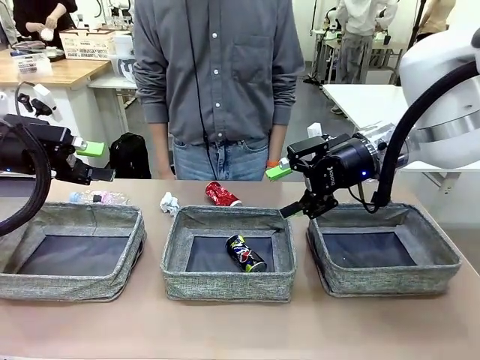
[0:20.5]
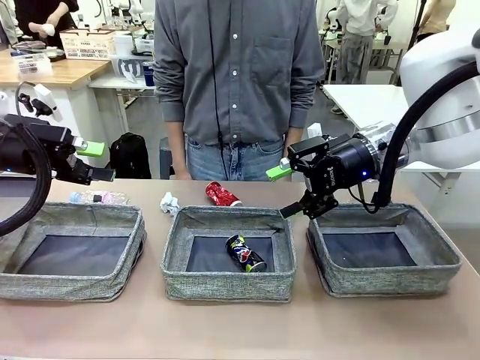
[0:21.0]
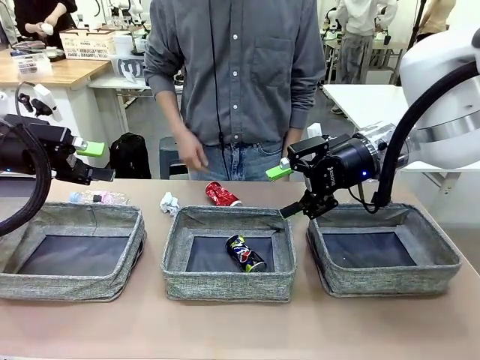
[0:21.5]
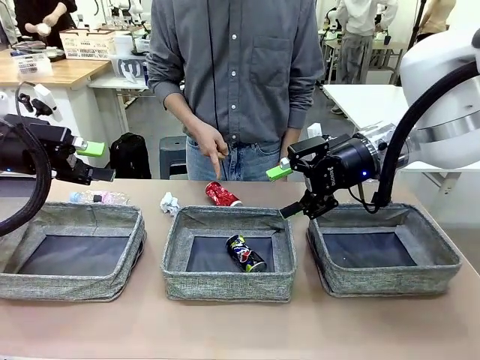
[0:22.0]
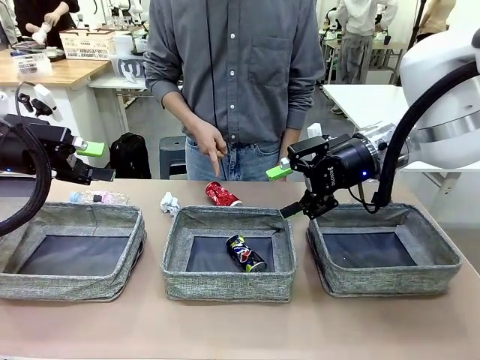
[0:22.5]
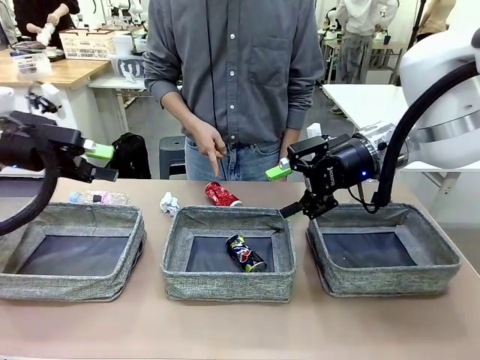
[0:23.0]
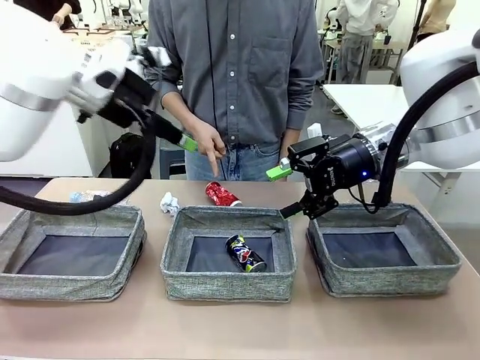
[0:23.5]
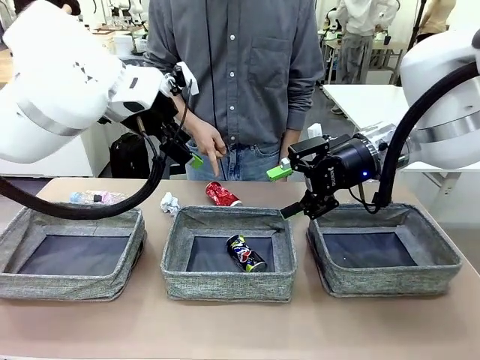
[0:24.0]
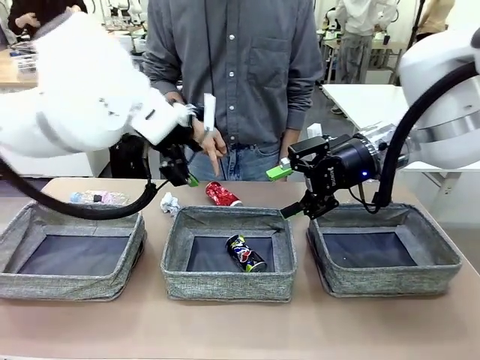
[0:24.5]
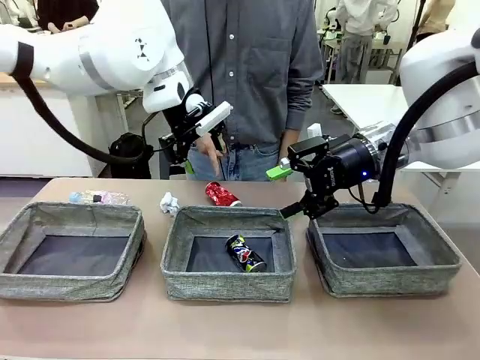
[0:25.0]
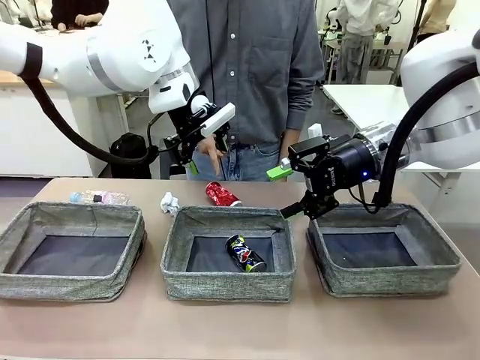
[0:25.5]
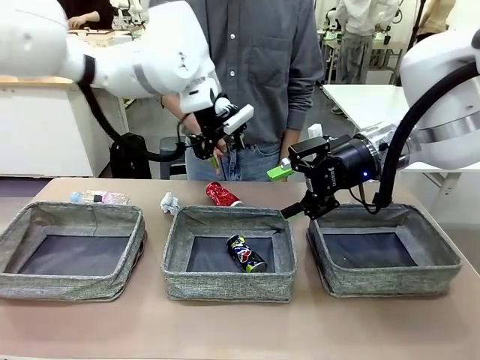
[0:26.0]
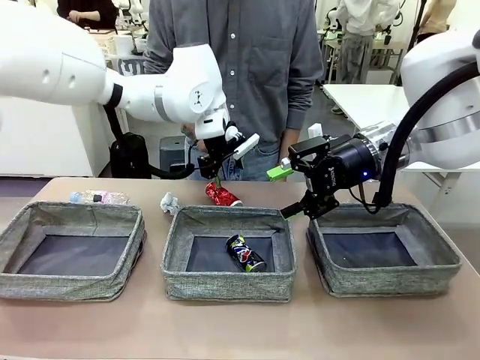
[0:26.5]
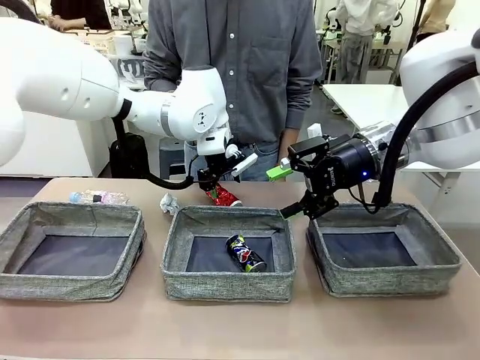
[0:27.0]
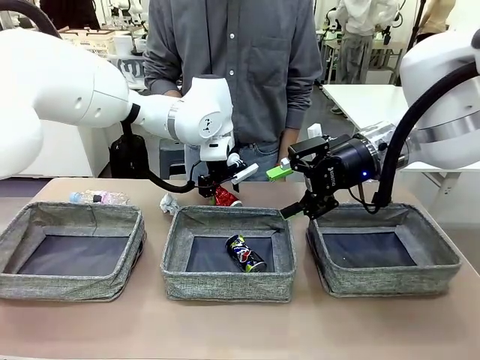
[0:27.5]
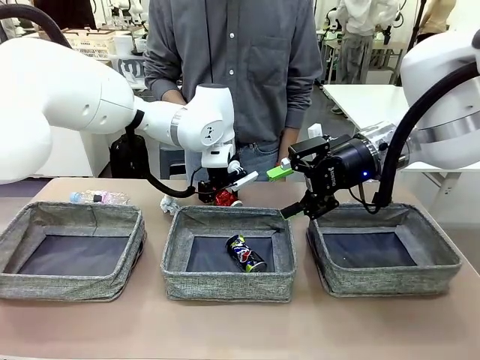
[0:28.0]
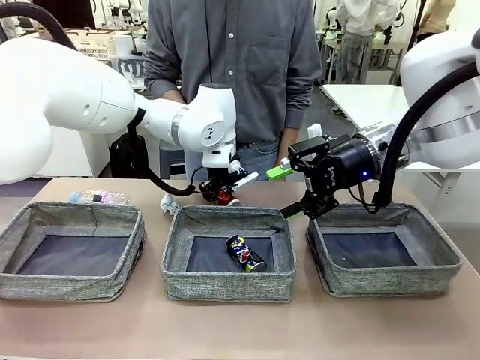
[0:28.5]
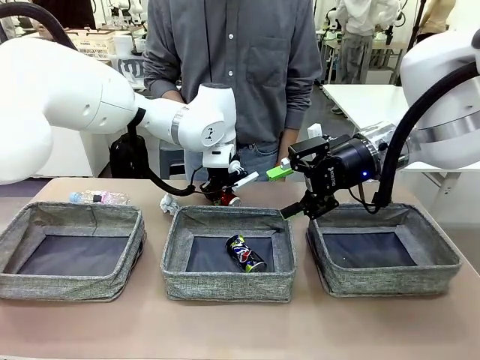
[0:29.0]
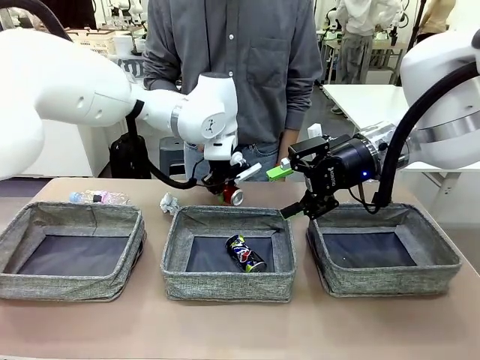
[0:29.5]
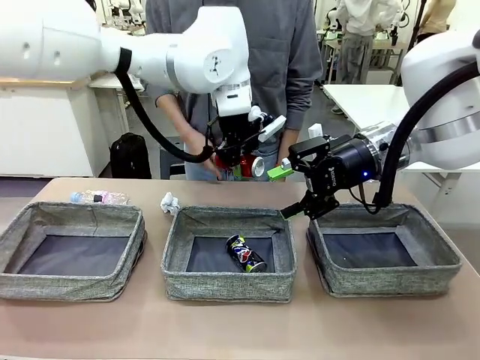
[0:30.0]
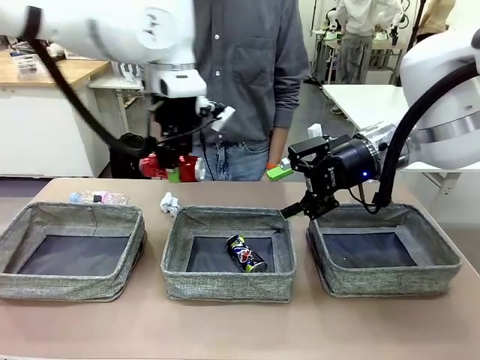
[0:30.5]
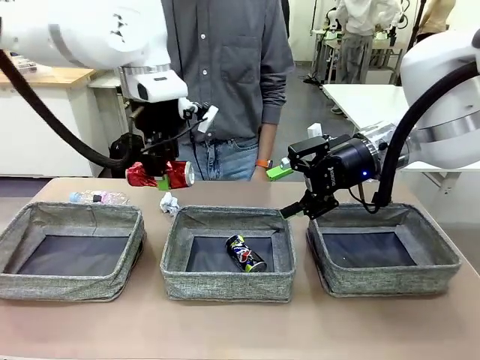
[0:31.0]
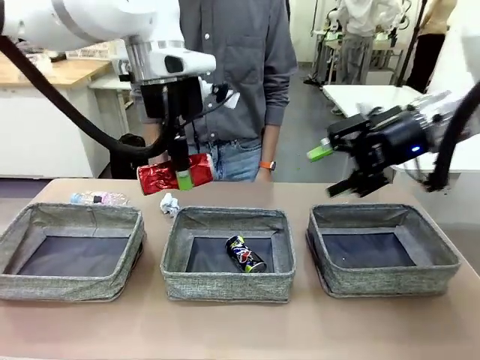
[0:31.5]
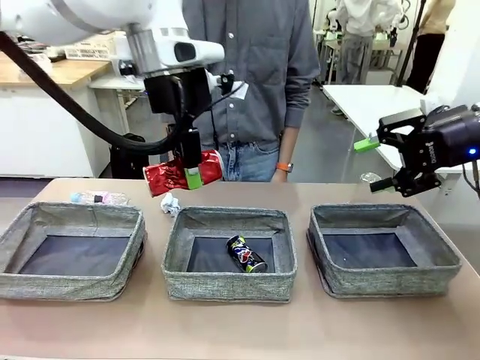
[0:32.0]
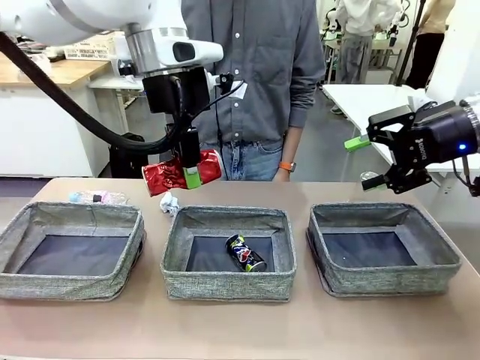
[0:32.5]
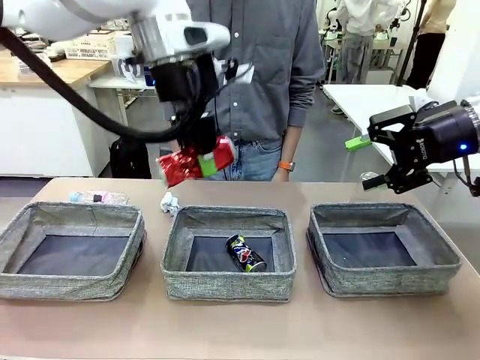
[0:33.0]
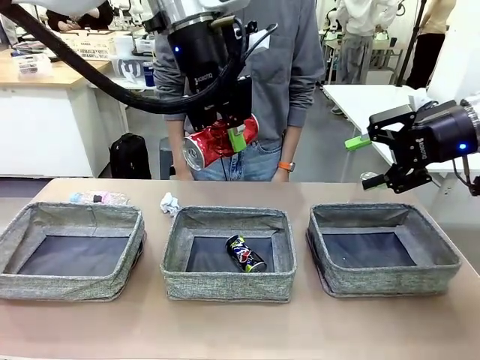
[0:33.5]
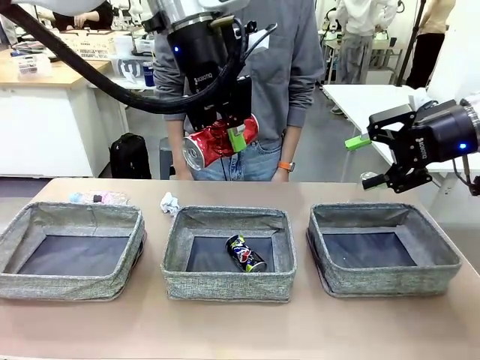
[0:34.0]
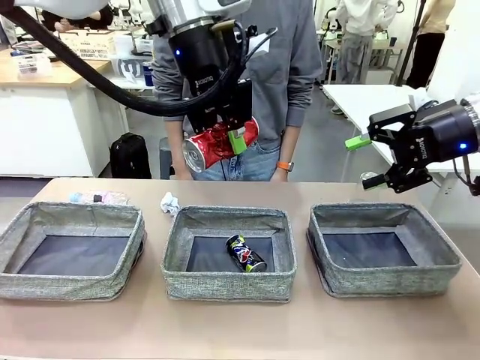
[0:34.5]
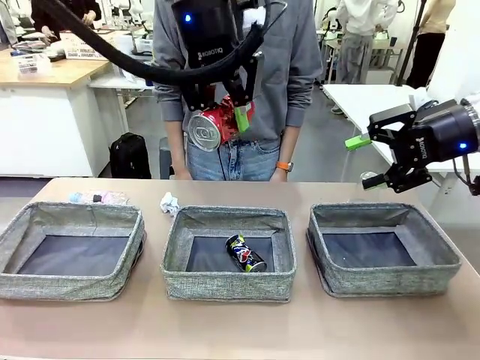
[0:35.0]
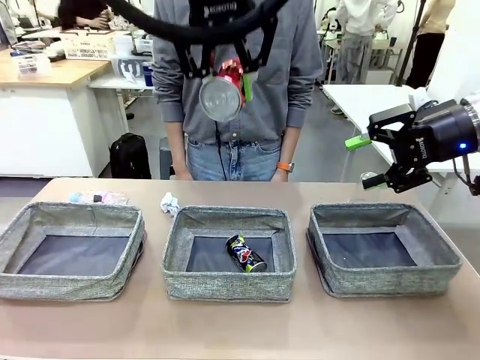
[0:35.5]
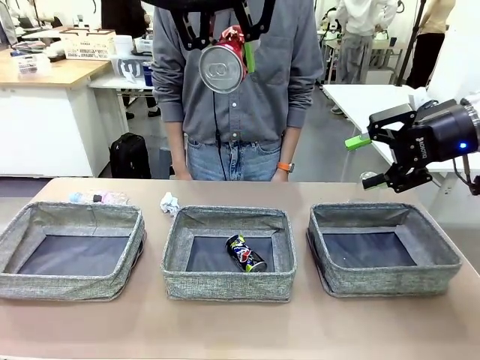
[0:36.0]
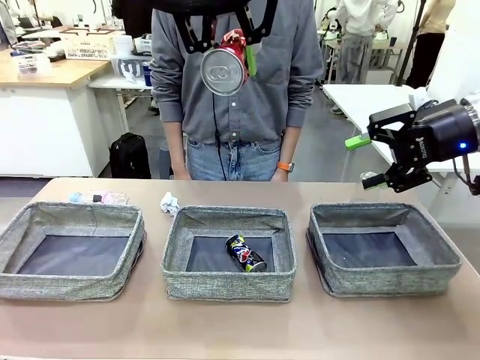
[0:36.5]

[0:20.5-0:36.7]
Task: Sort the waste into the appropriate baskets.
Robot: Pick up the waste item pointed out by the person.
Person: Points to one piece of trash on the table.

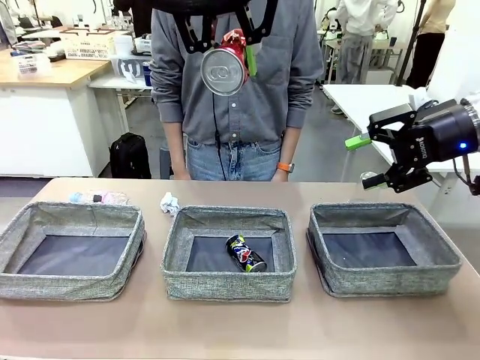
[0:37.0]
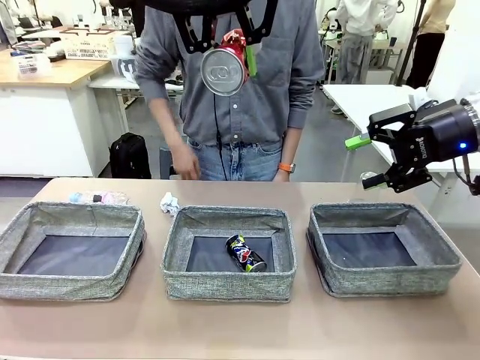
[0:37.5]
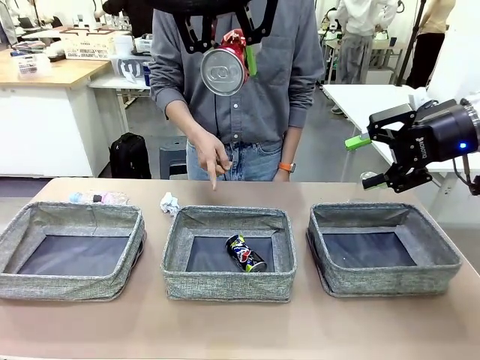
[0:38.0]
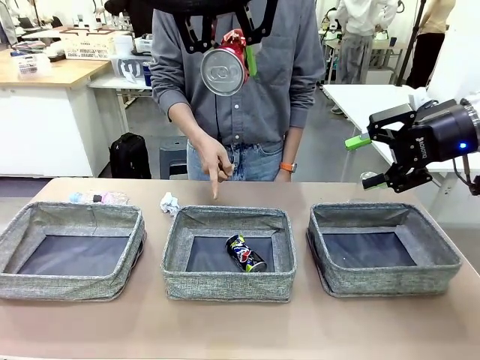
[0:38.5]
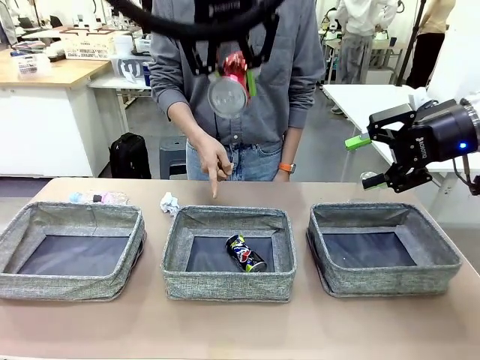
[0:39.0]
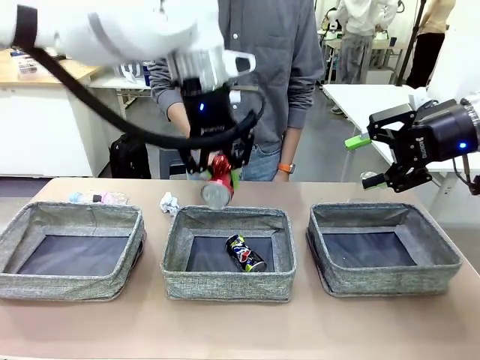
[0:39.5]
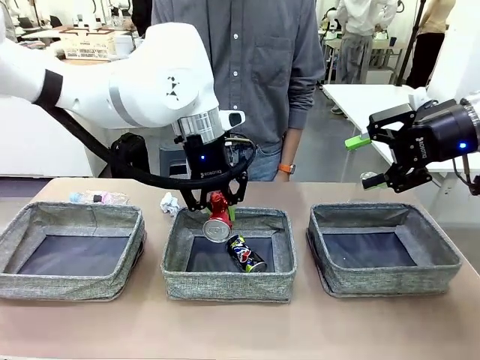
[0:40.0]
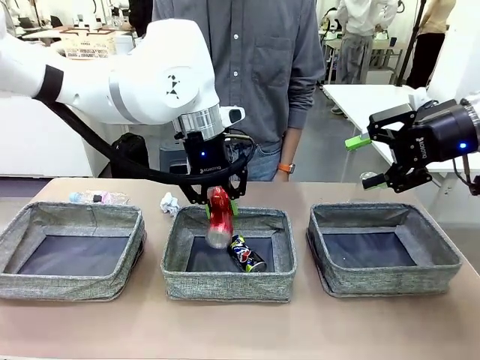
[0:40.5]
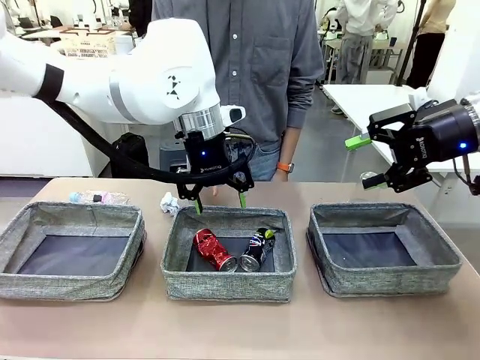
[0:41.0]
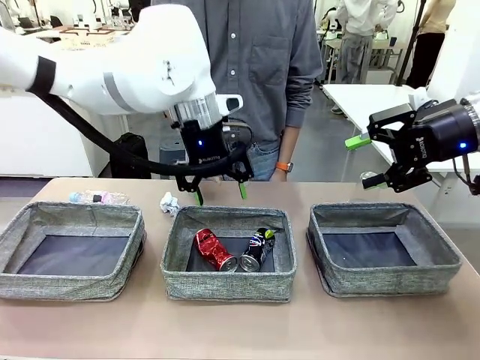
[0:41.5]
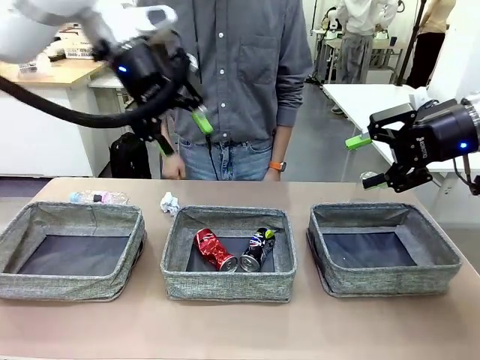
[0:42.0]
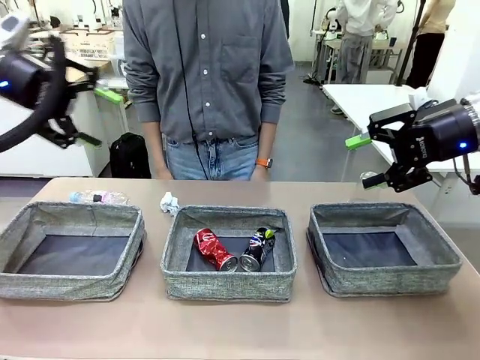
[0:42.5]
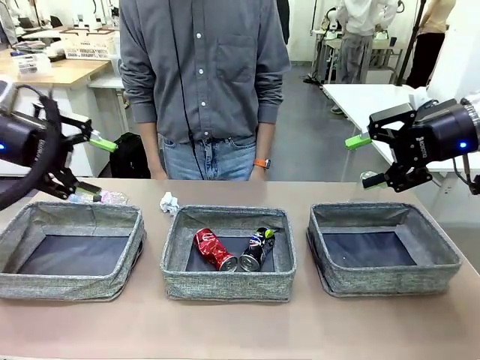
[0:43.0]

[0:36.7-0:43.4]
Robot: Place the picked waste into the Fabric basket indicated by the person.
Person: Instructs the robot to place the picked-up trash into the appropriate organizing basket.
